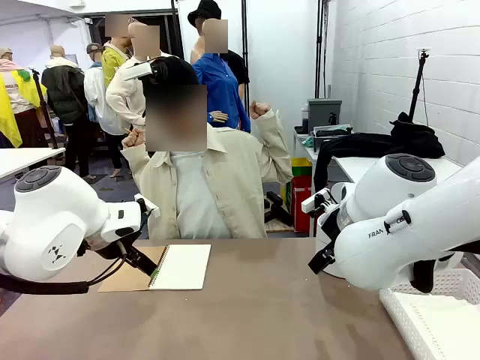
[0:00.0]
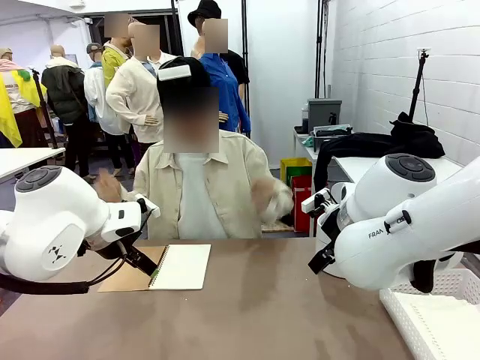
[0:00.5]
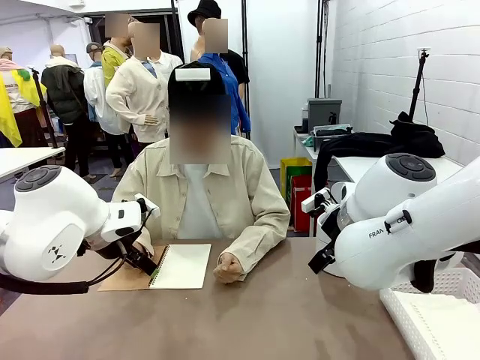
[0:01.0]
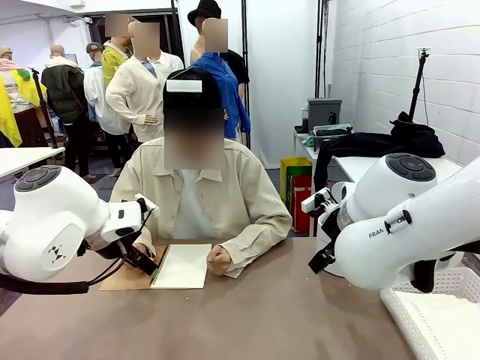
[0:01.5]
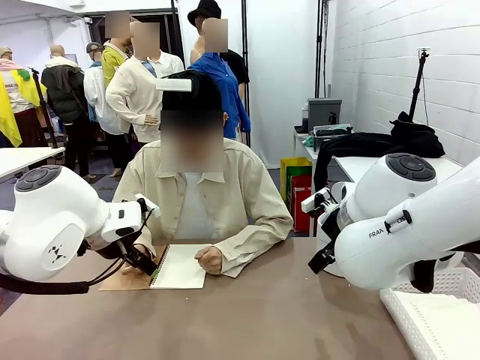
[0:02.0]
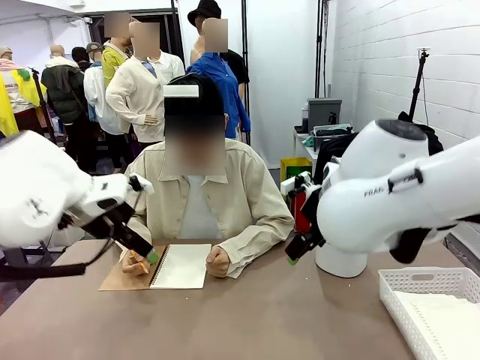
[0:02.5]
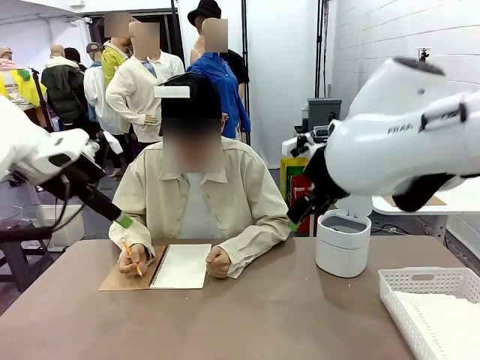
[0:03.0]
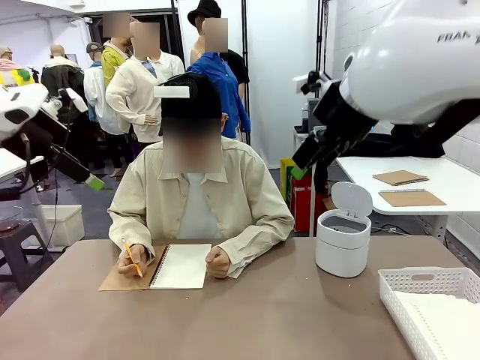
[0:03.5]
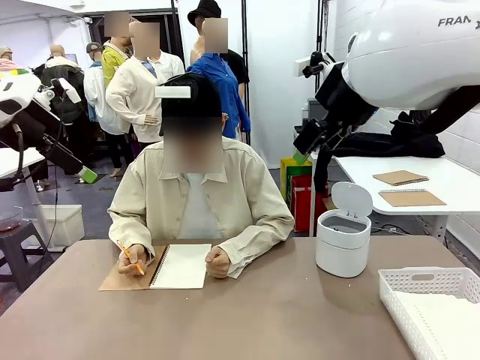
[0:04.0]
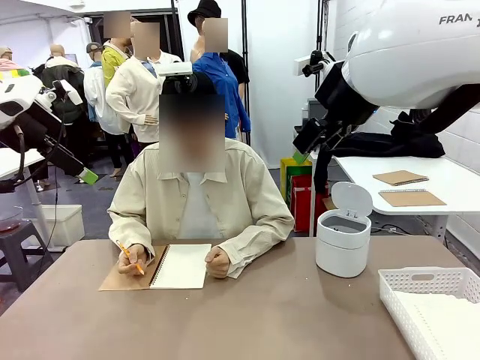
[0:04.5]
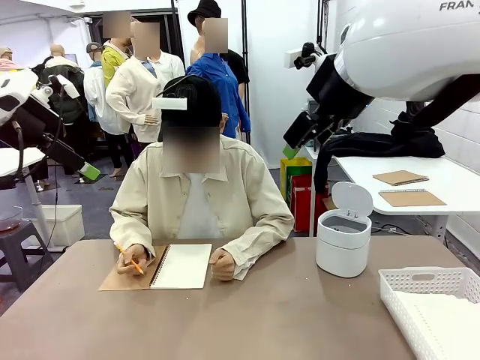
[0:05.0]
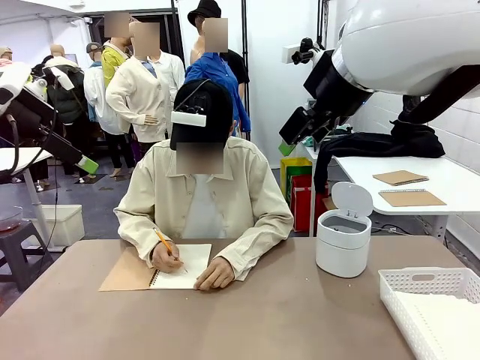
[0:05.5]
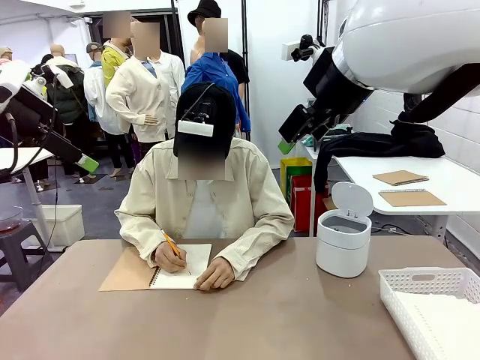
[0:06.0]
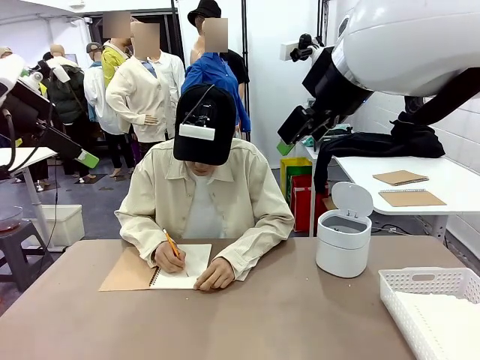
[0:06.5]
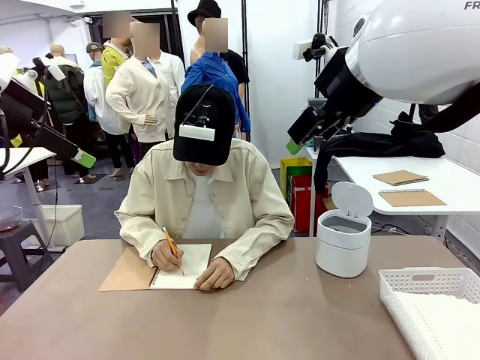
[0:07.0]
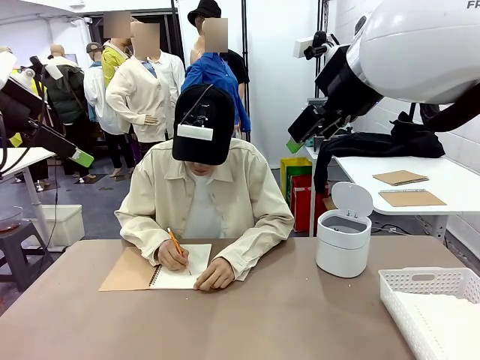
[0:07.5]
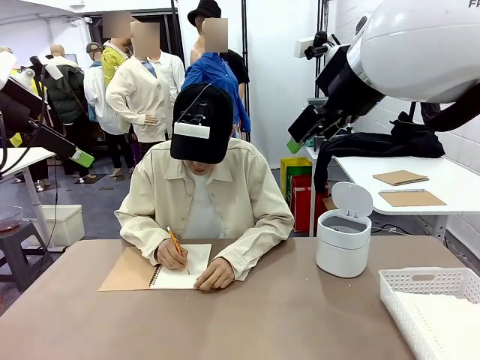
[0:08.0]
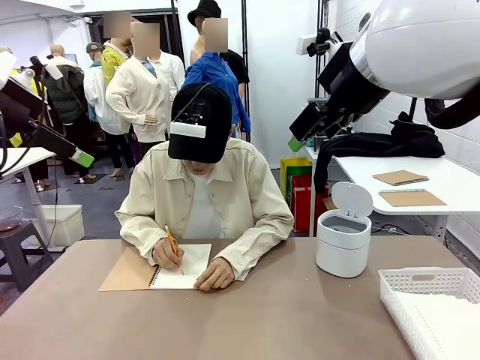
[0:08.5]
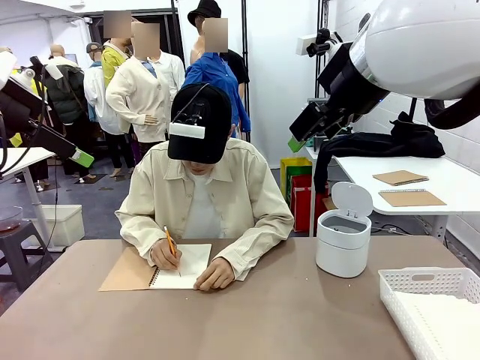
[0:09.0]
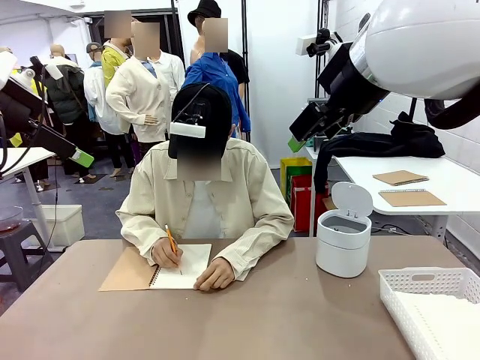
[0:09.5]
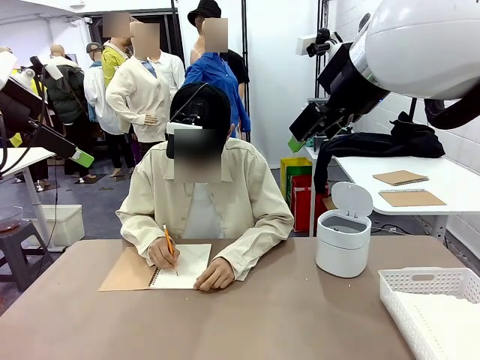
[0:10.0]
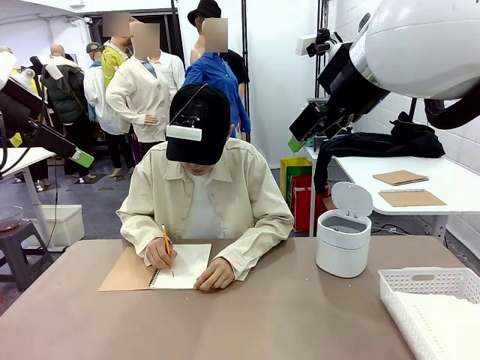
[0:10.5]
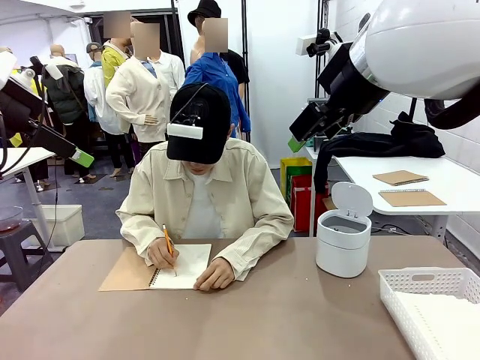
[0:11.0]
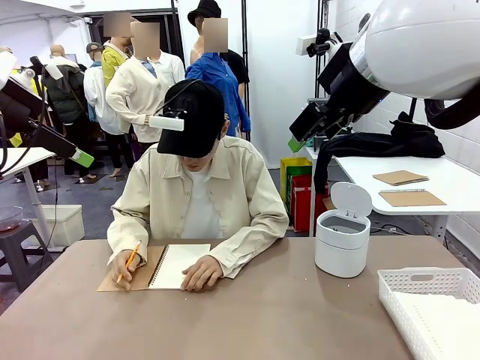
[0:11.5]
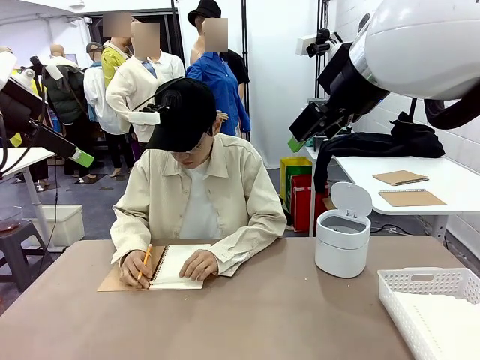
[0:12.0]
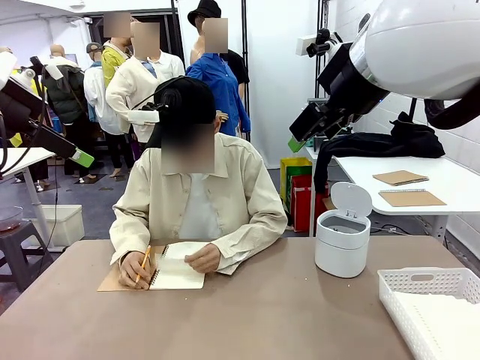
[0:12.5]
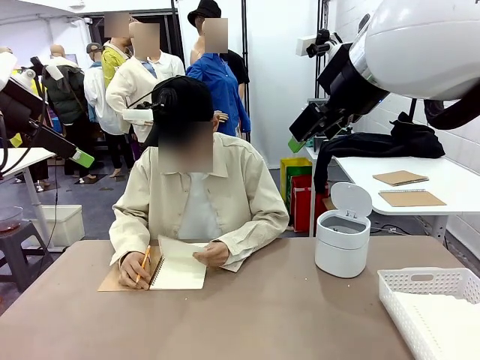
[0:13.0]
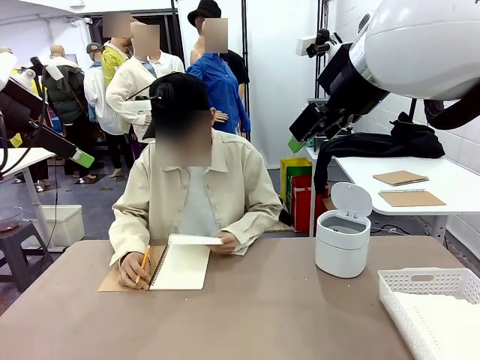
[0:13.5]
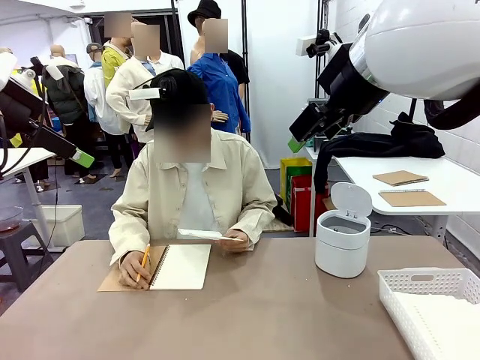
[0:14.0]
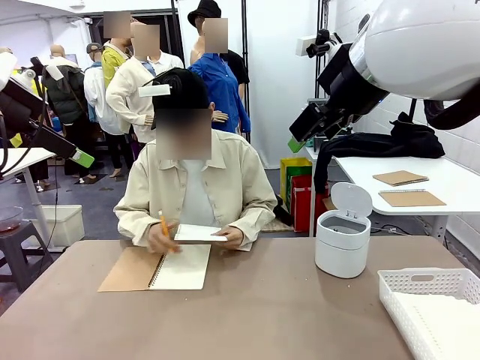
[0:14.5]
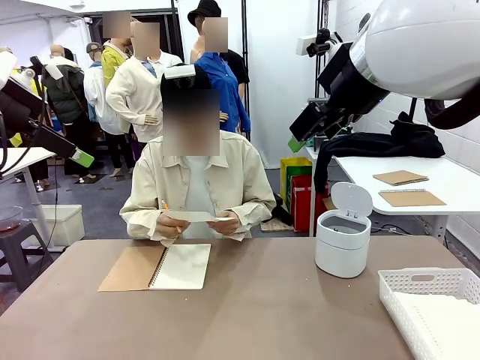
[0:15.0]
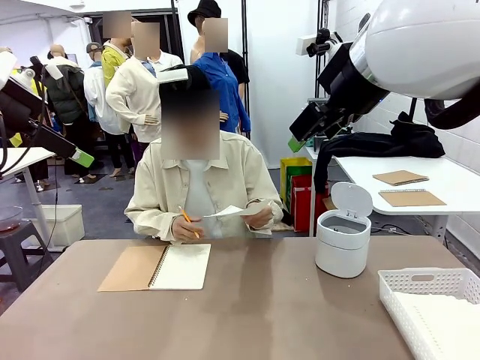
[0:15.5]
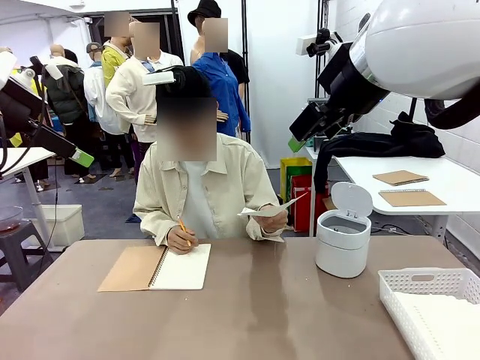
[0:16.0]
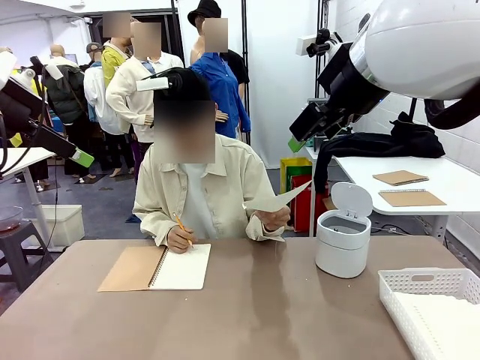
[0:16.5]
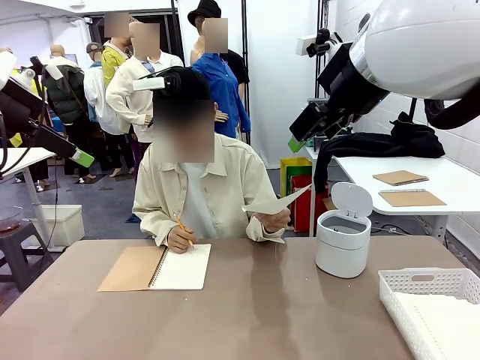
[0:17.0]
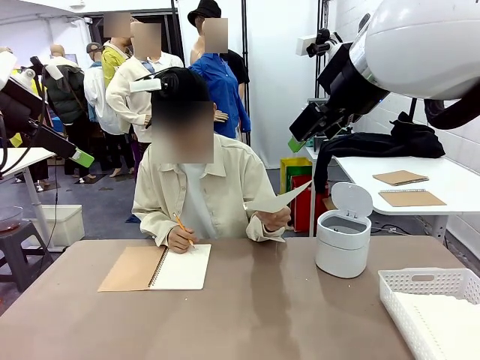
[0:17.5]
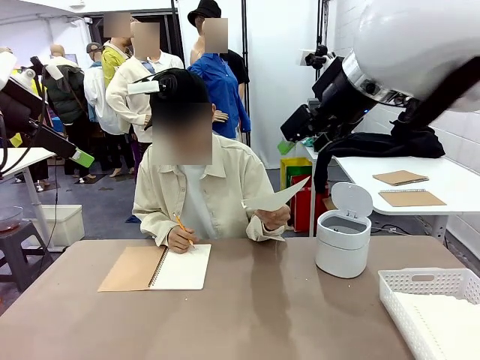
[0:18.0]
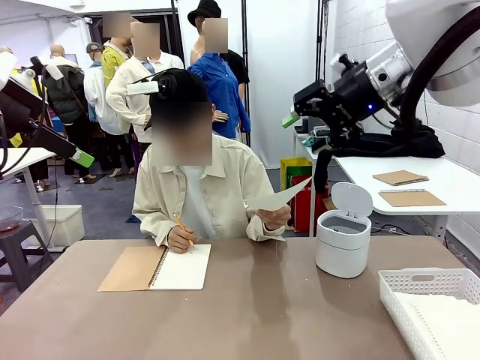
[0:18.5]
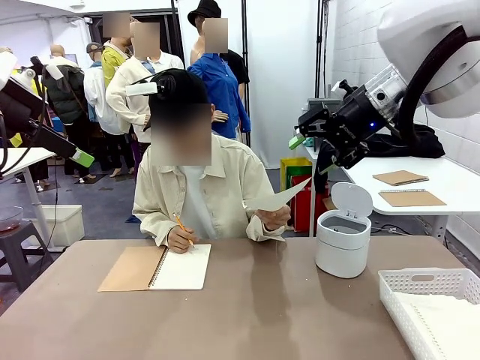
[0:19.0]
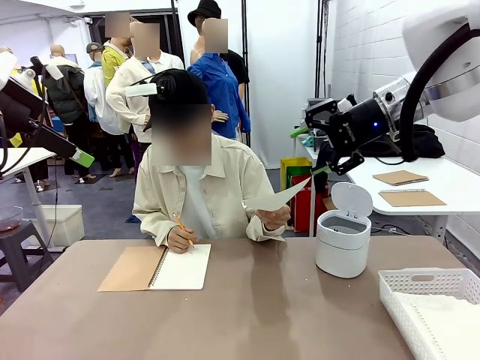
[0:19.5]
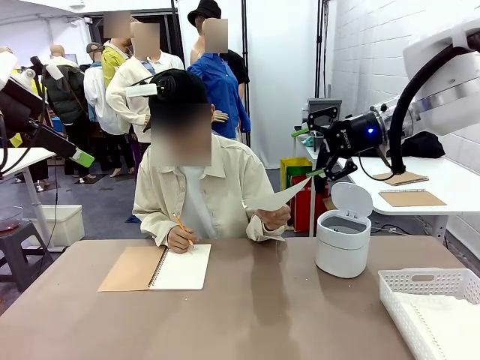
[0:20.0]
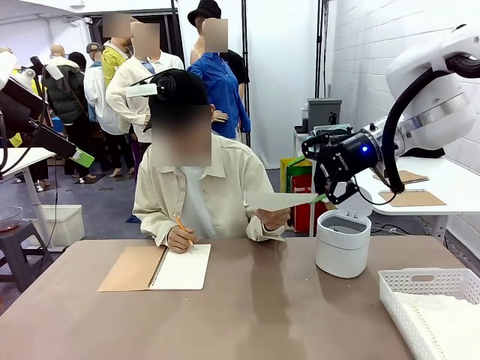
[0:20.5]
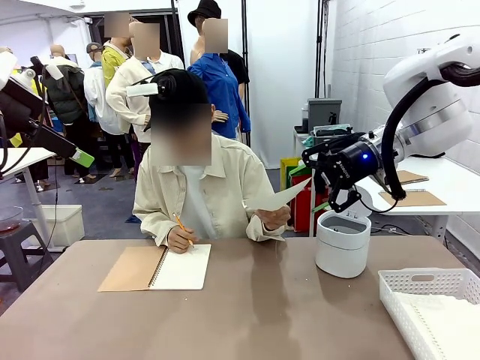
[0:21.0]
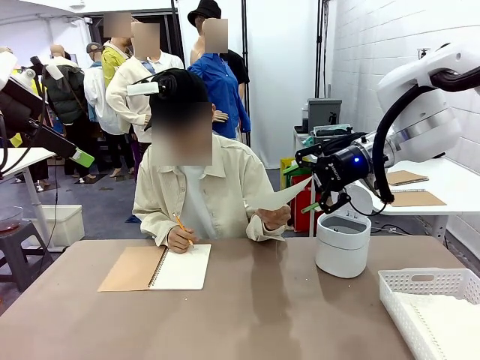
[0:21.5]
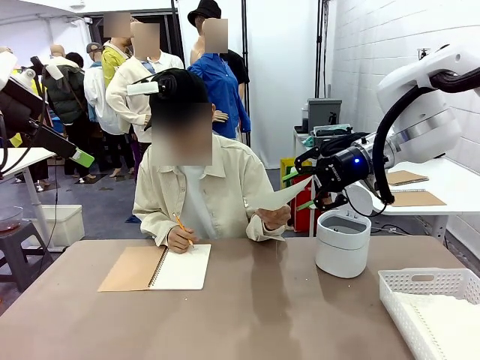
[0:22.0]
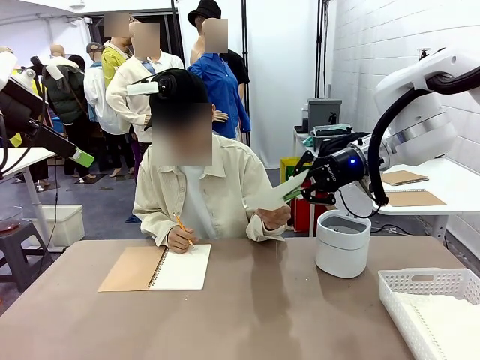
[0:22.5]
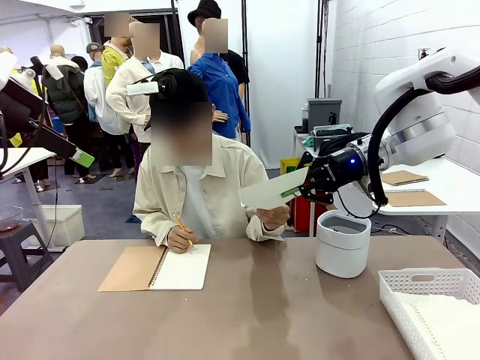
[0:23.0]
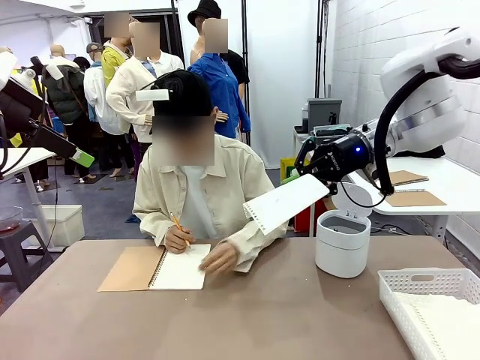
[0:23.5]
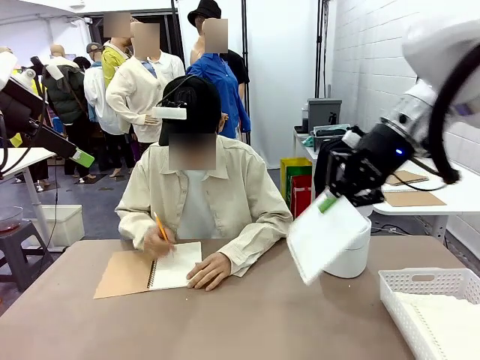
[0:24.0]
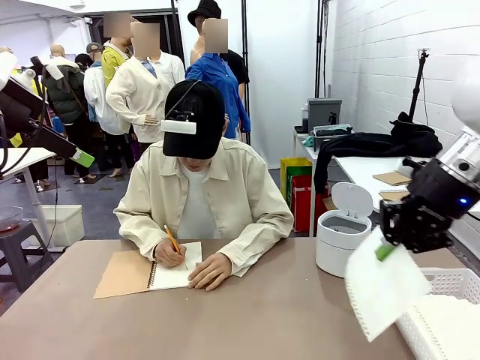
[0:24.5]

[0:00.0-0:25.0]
Task: Sort the paper based on its condition.
Robot: If a person hands you a paper, place it in the Organizing basket , and if it's crumpled, put it in the Trash can.
Person: Tear out a page from the spiral notebook. Hand the torn page to the robot or crumple it and throw it to the center of the table.
